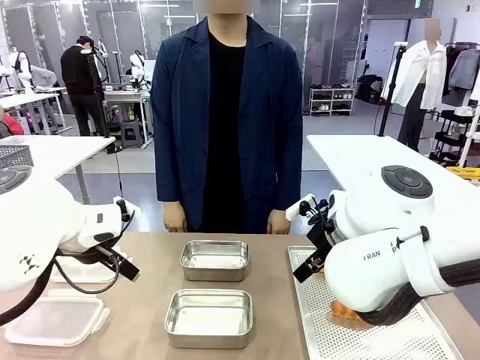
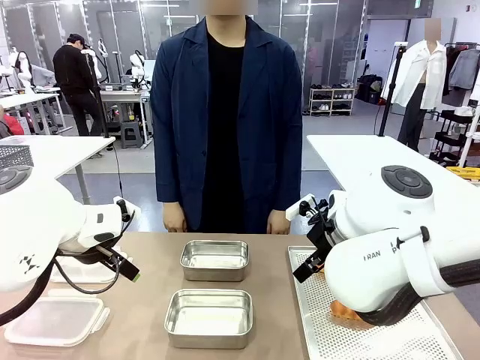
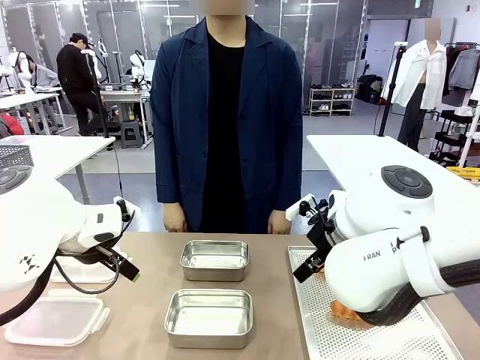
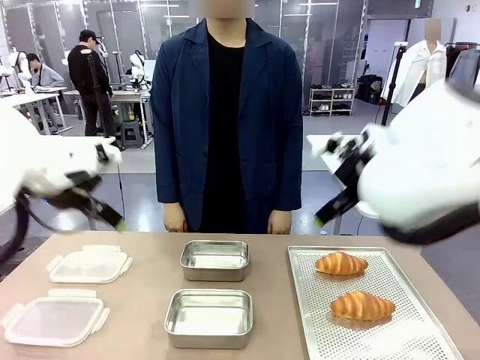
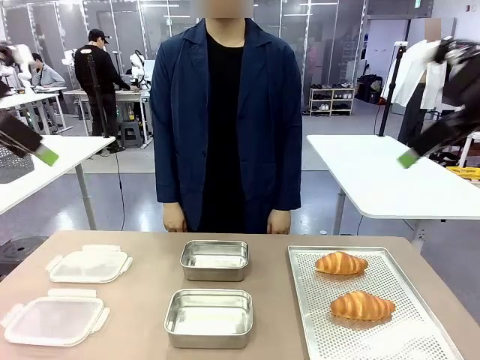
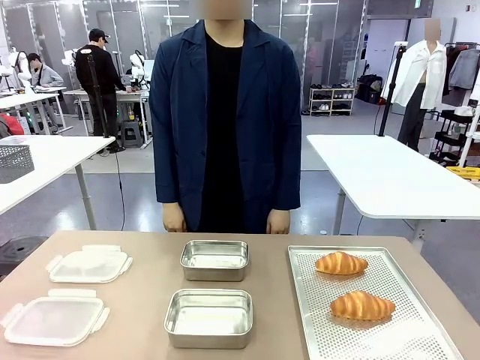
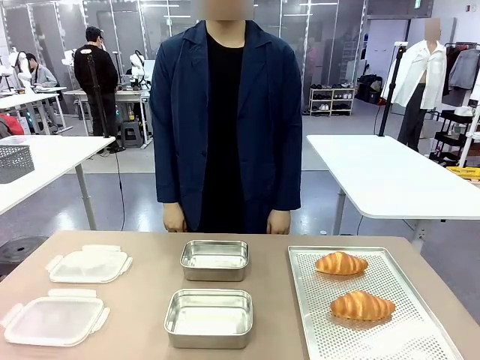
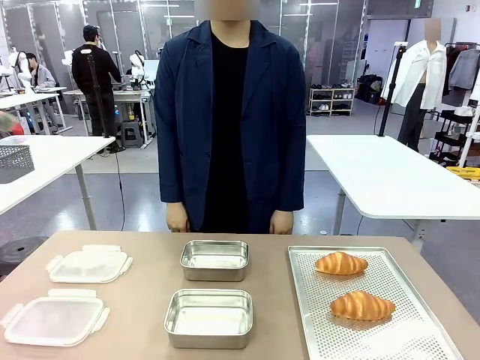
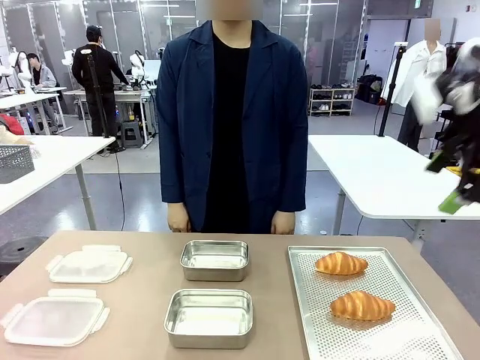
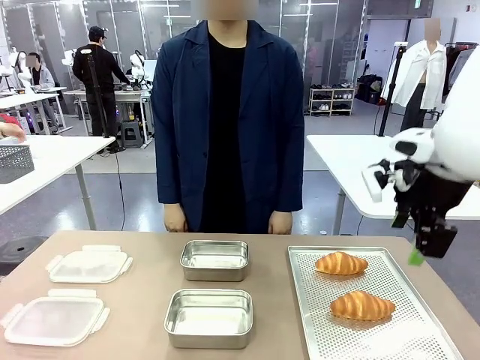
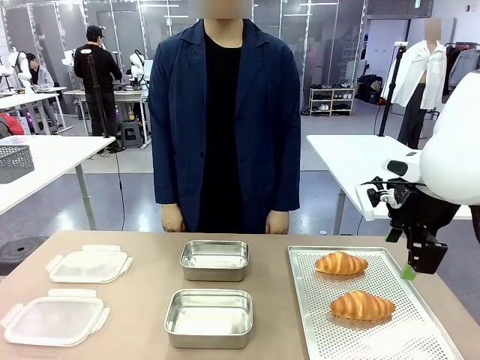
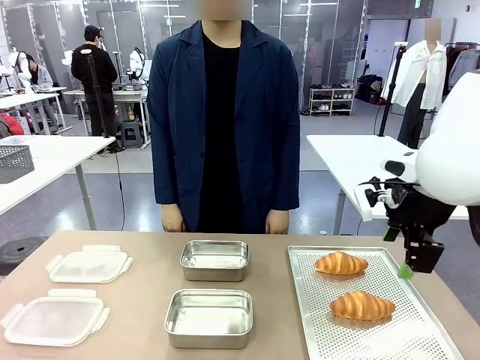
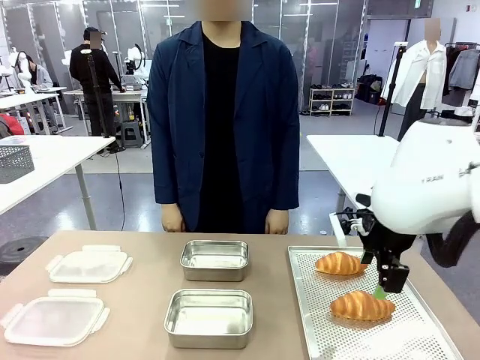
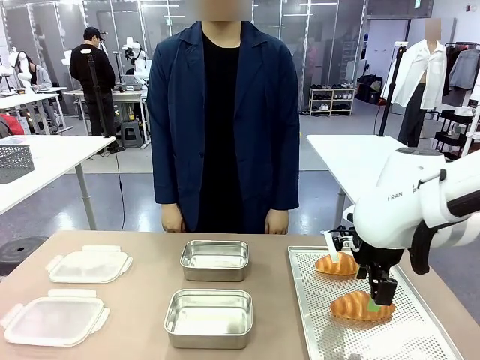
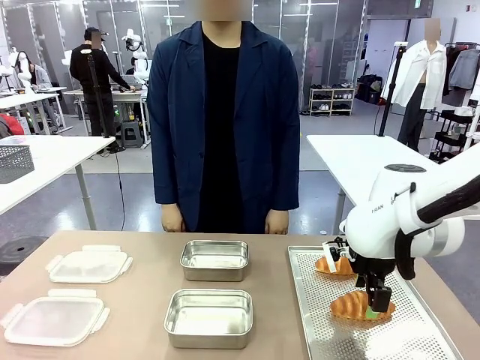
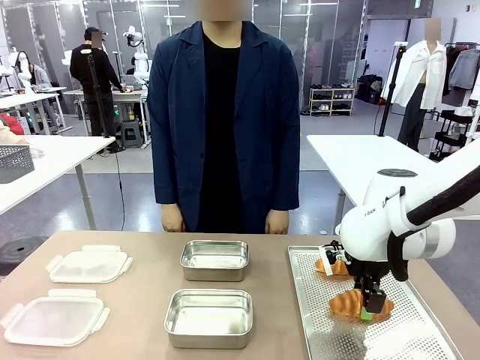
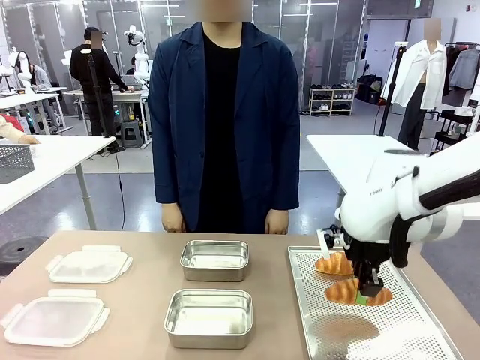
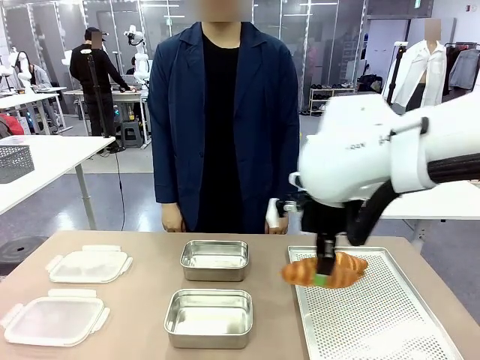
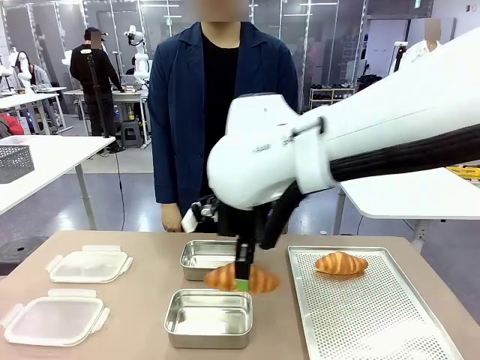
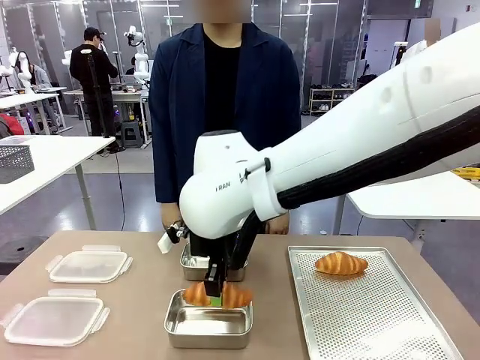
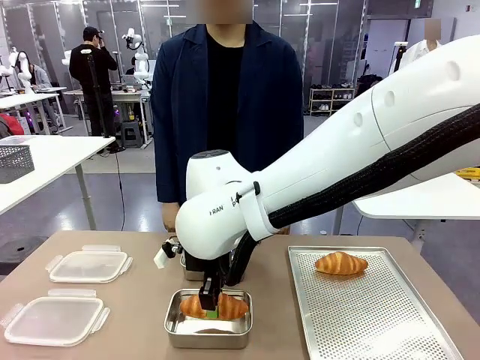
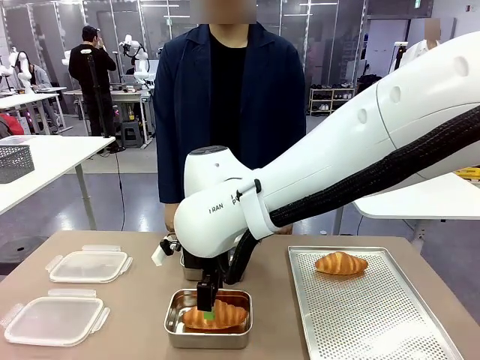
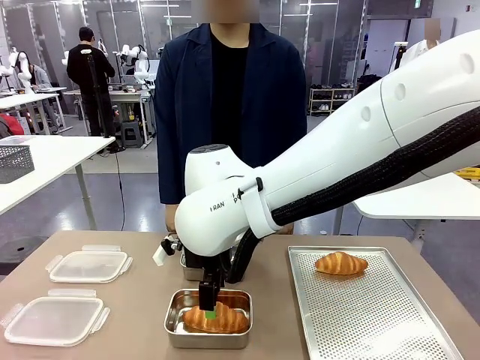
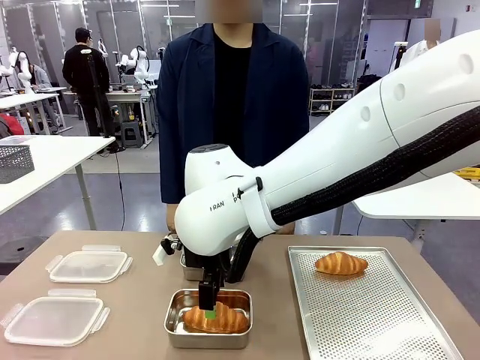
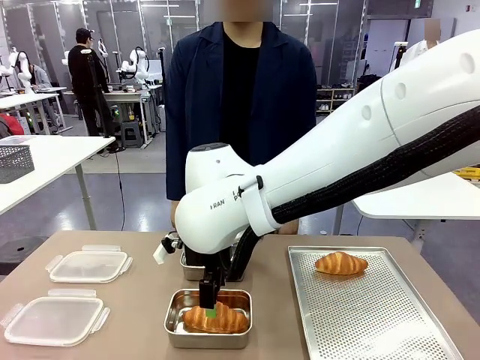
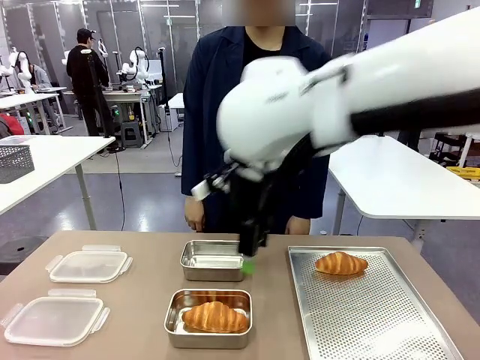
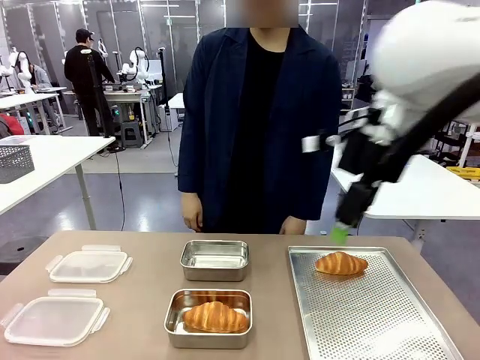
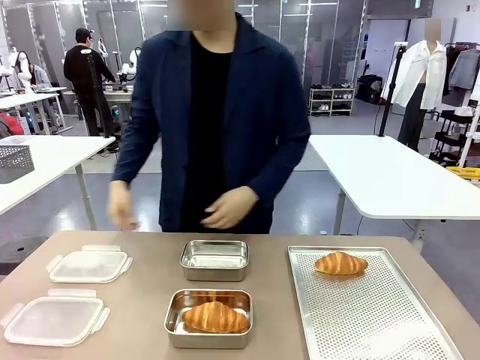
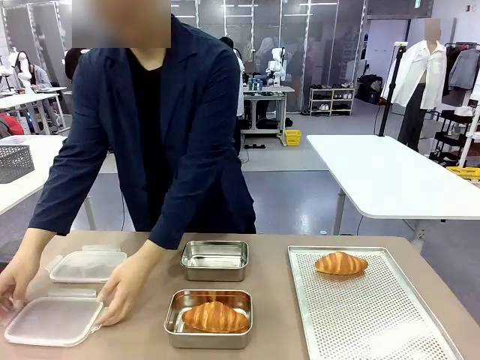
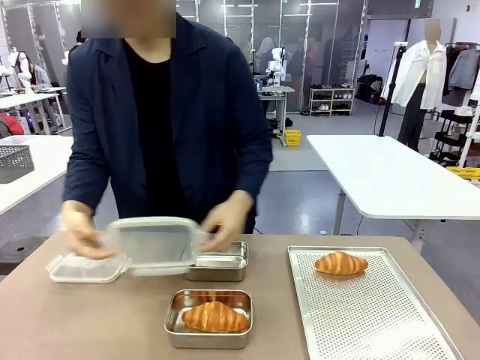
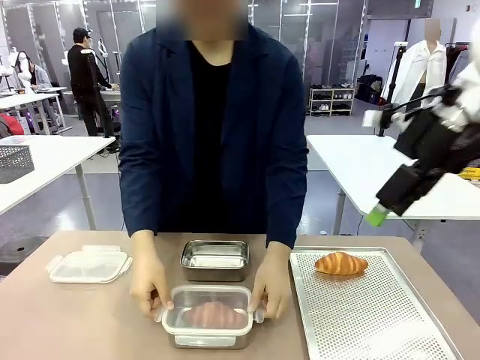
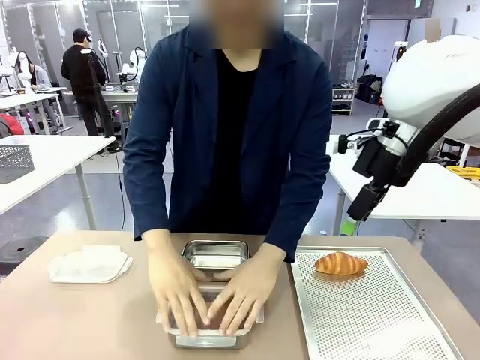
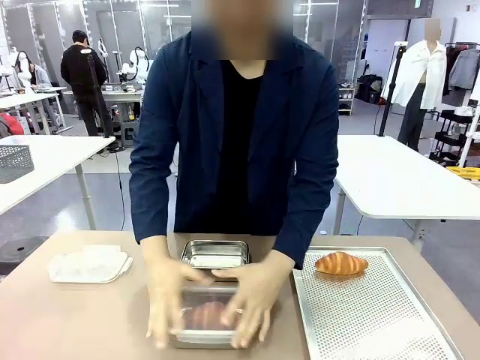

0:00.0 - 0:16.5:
Task: Place the bread into the airtight container.
Robot: Pick up a Butter Roll and place it into an empty Airtight Container.

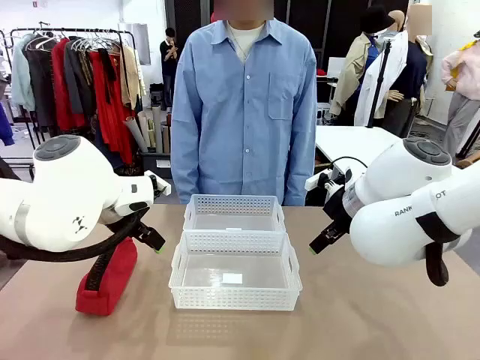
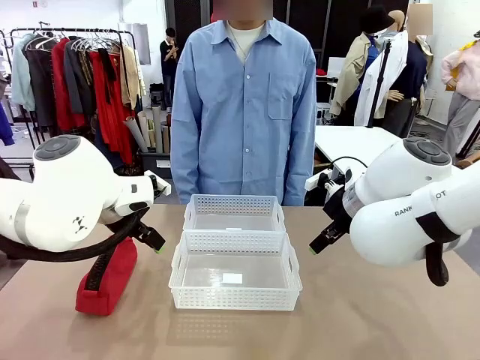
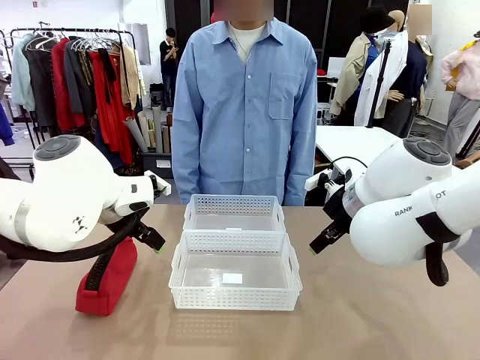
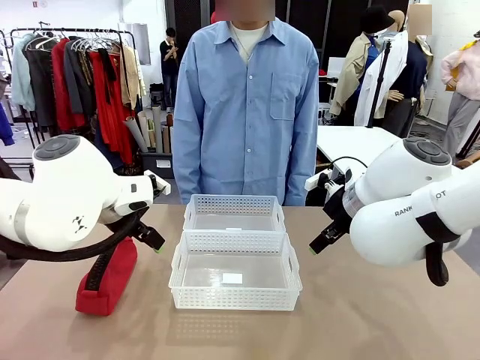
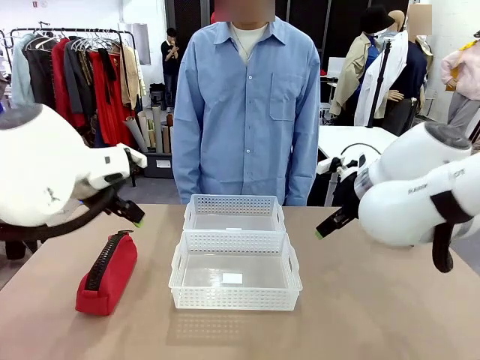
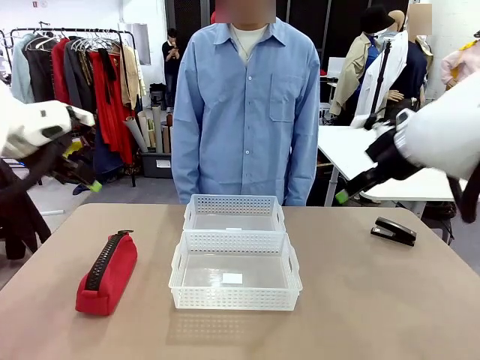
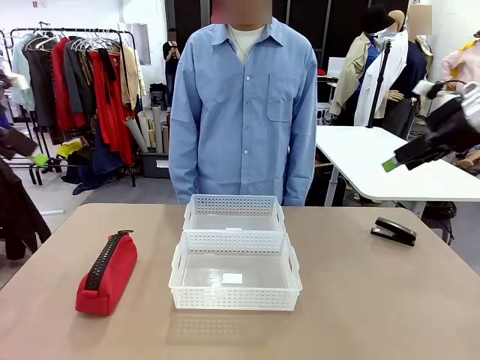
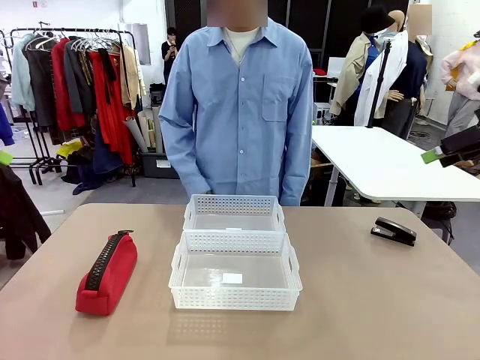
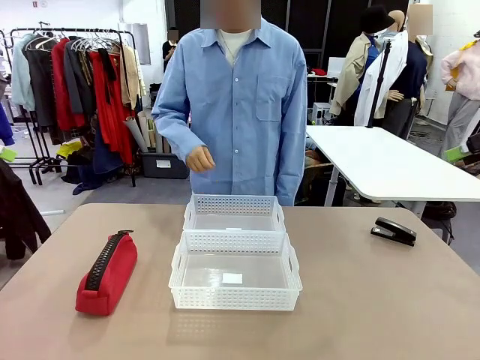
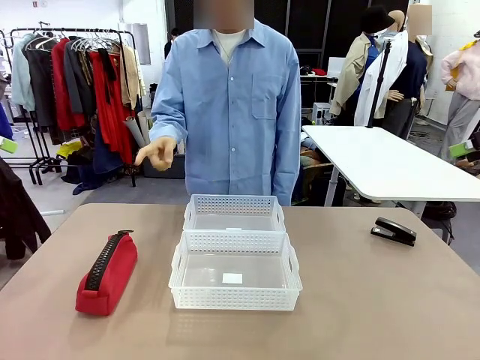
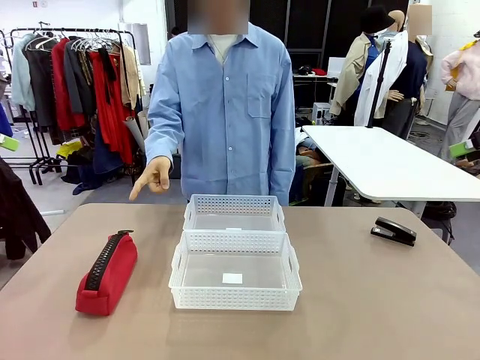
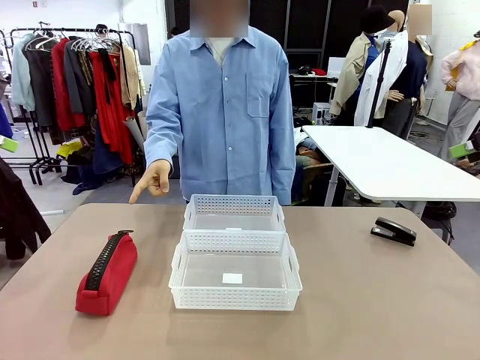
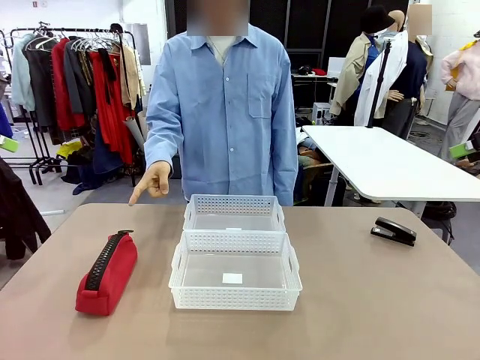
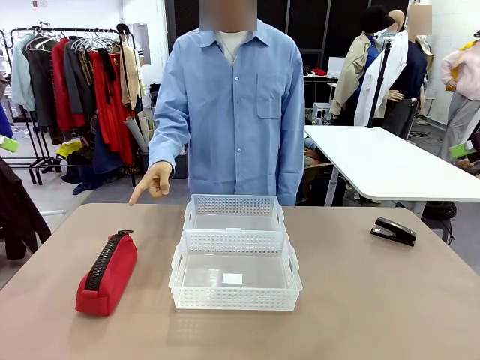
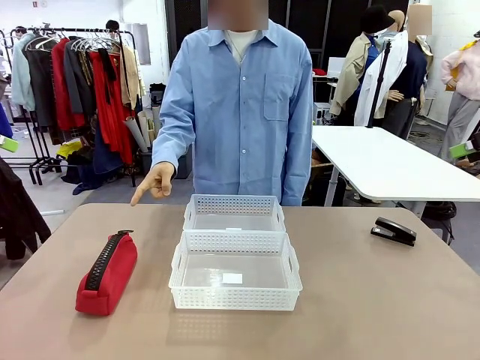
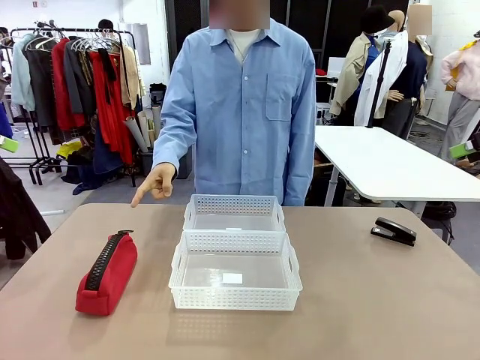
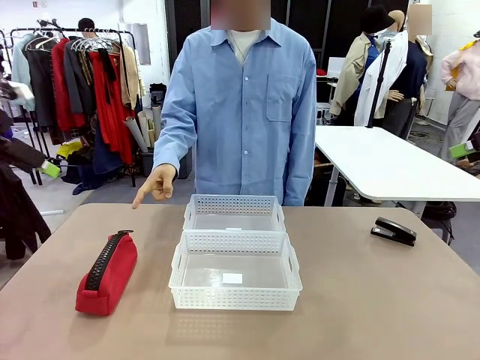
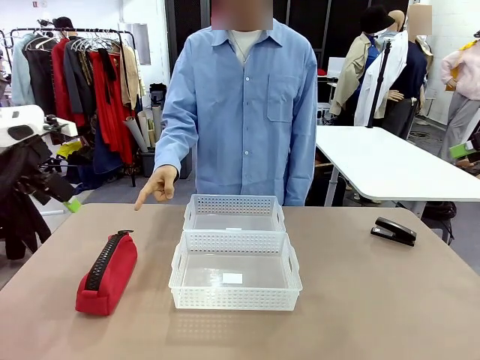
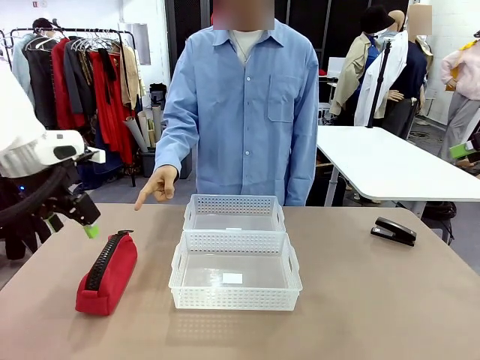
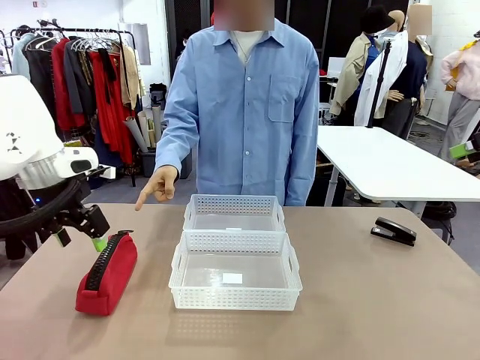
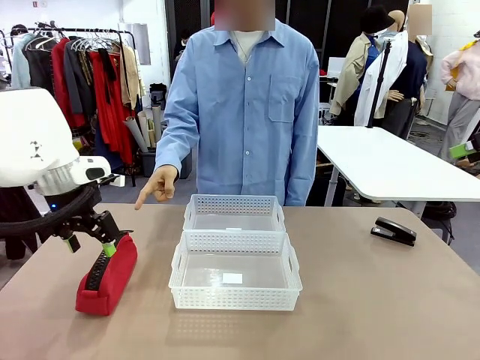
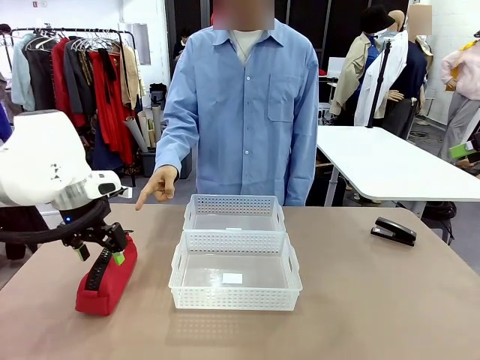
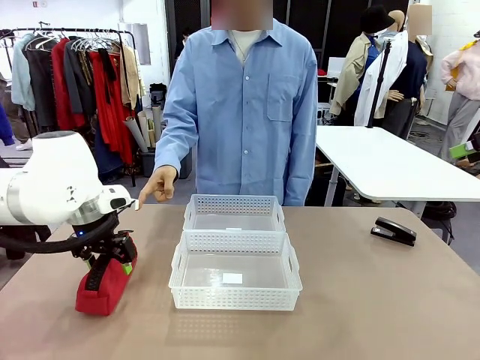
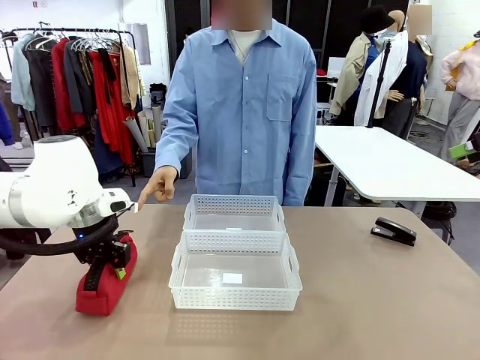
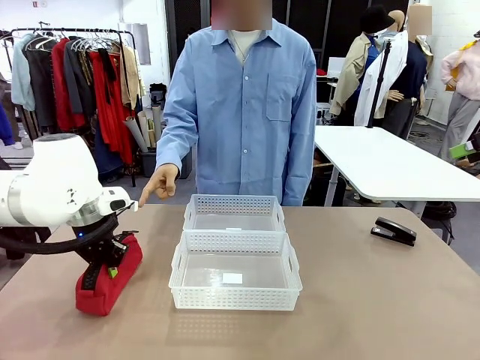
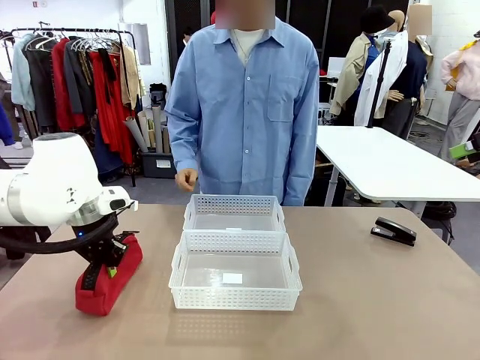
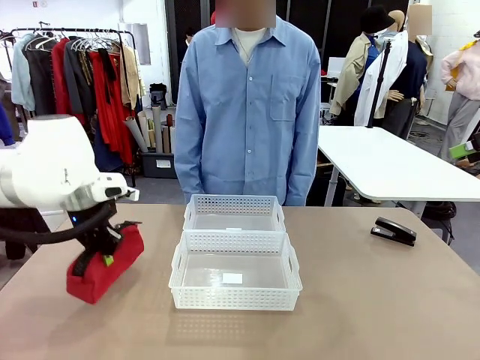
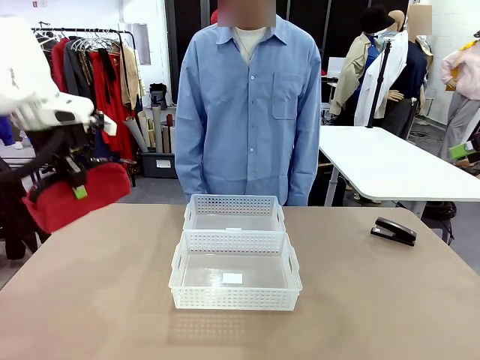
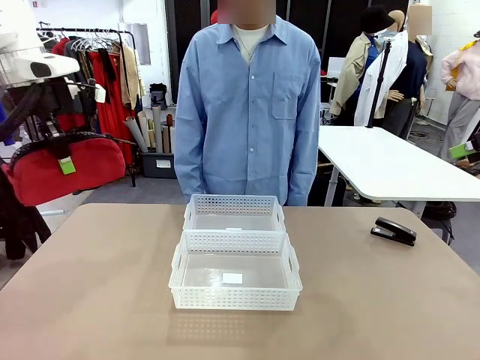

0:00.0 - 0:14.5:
Task: Distribute items into two baskets.
Robot: Pick up the Pencil pouch that the person points to.
Person: Points to the pencil case. Points between the two organizing baskets and instructs the robot to move the pencil case.
